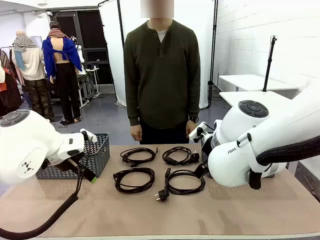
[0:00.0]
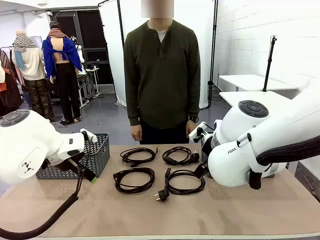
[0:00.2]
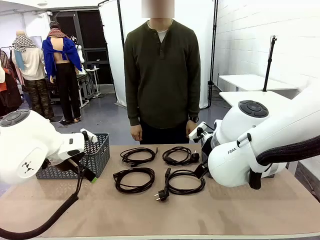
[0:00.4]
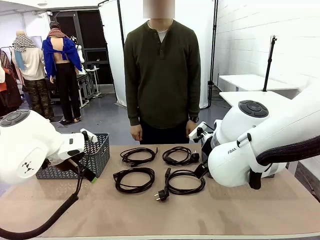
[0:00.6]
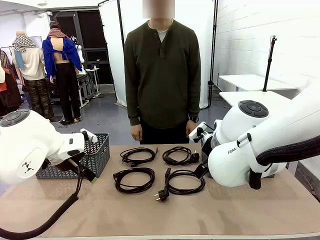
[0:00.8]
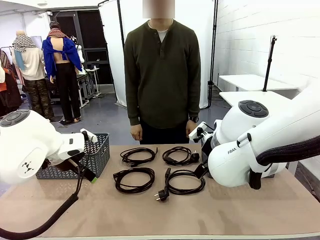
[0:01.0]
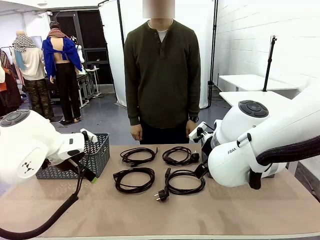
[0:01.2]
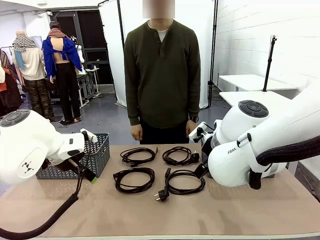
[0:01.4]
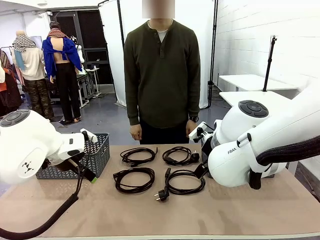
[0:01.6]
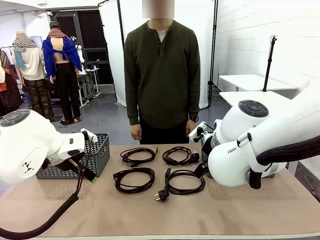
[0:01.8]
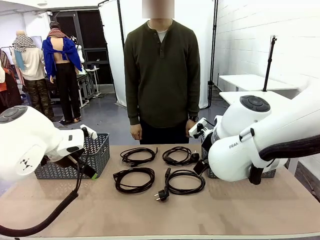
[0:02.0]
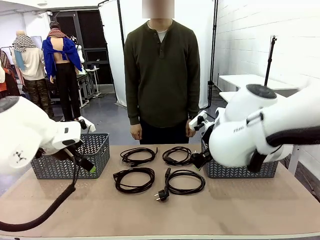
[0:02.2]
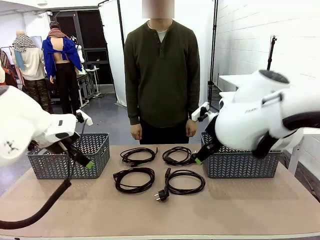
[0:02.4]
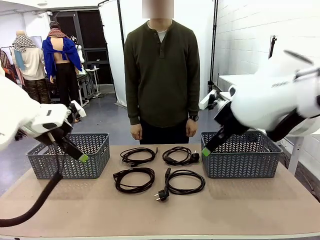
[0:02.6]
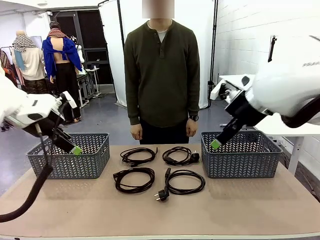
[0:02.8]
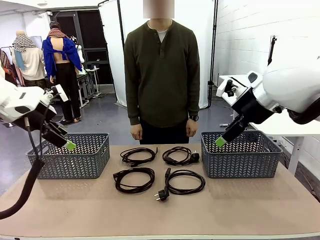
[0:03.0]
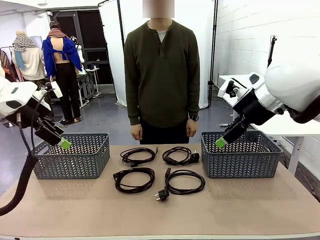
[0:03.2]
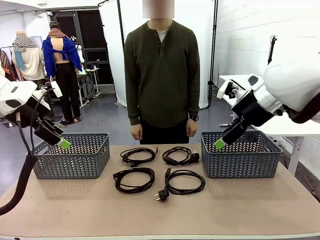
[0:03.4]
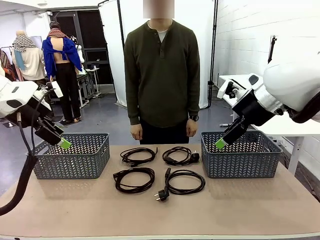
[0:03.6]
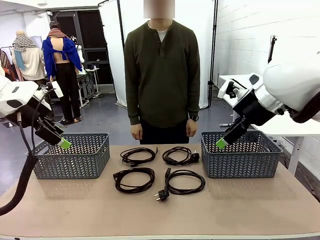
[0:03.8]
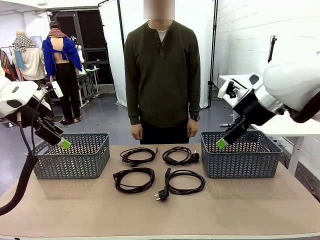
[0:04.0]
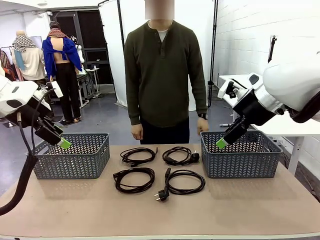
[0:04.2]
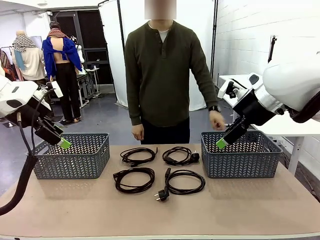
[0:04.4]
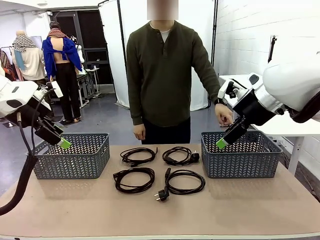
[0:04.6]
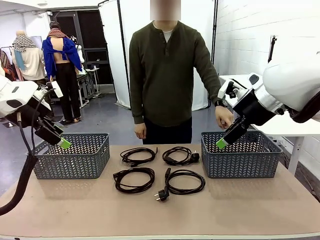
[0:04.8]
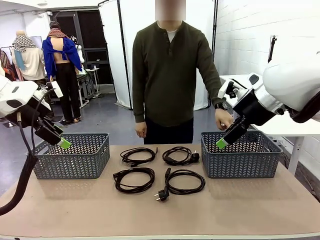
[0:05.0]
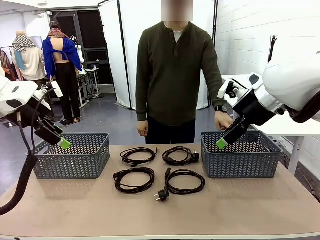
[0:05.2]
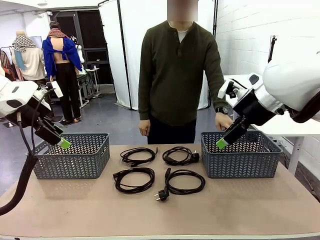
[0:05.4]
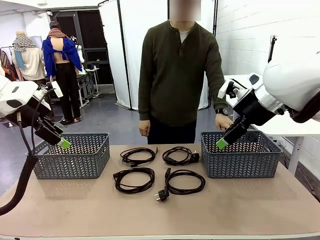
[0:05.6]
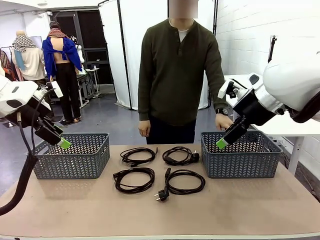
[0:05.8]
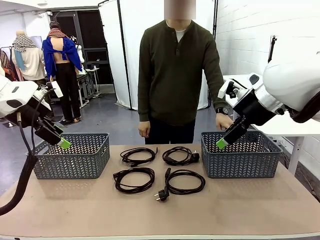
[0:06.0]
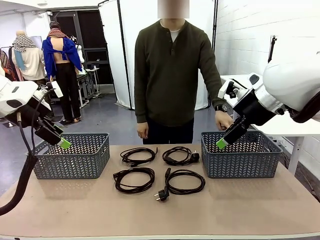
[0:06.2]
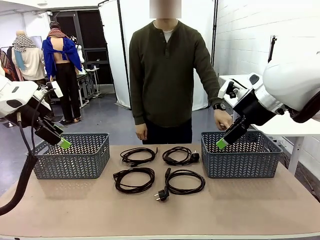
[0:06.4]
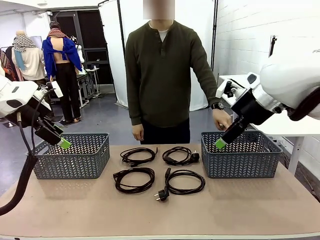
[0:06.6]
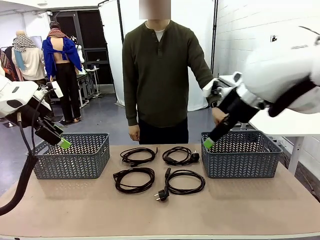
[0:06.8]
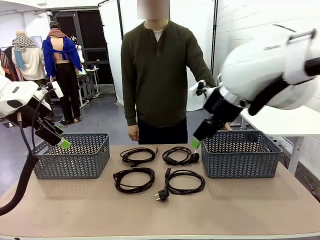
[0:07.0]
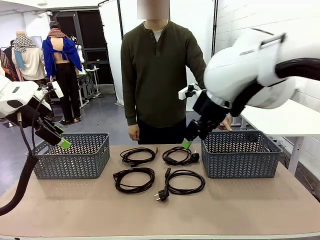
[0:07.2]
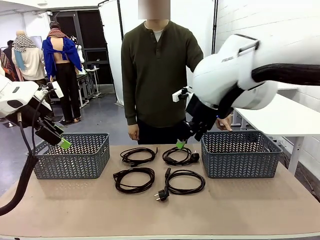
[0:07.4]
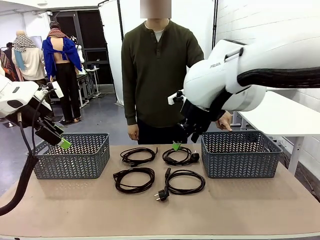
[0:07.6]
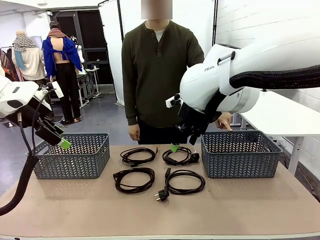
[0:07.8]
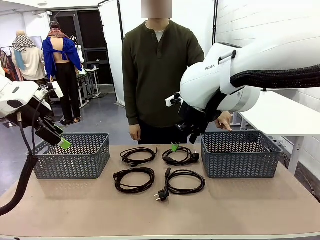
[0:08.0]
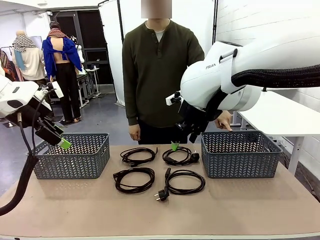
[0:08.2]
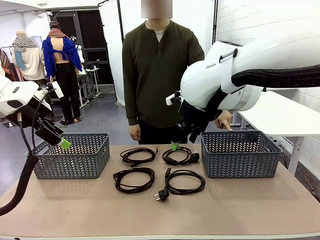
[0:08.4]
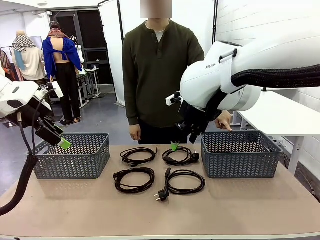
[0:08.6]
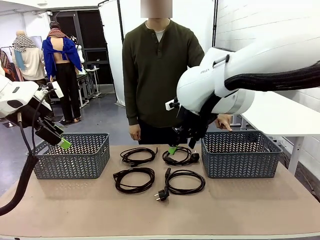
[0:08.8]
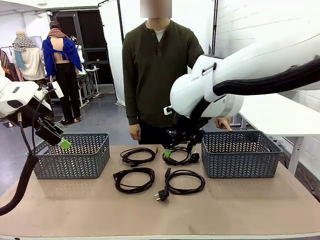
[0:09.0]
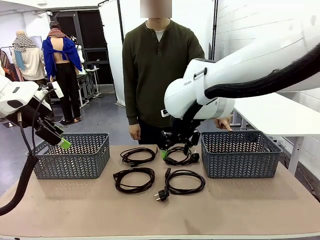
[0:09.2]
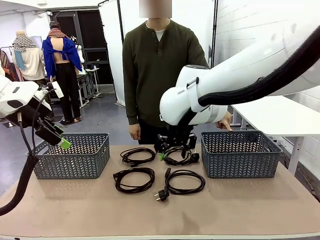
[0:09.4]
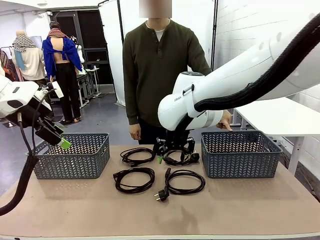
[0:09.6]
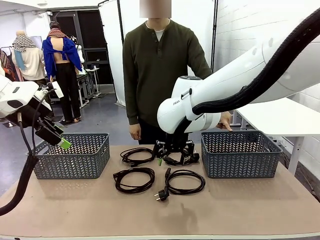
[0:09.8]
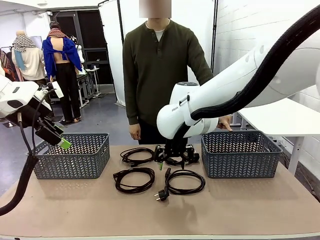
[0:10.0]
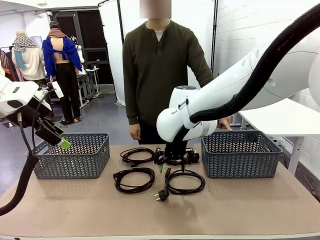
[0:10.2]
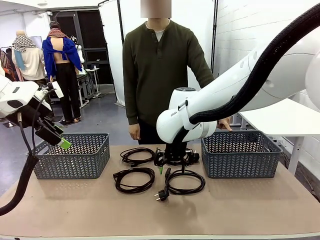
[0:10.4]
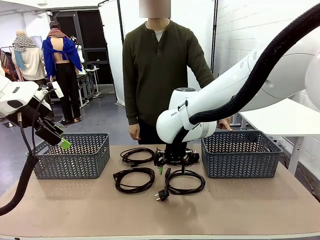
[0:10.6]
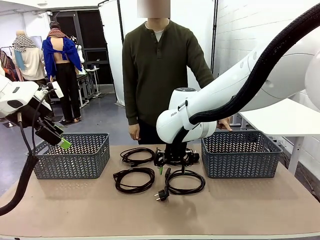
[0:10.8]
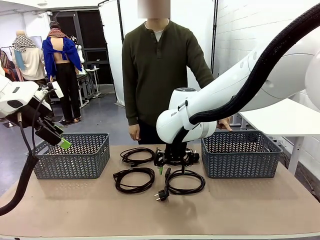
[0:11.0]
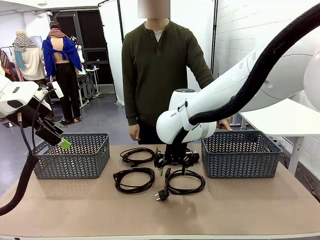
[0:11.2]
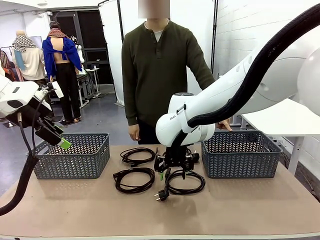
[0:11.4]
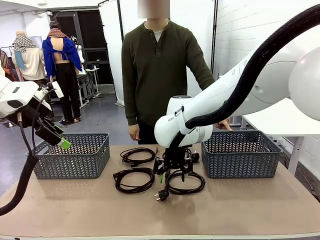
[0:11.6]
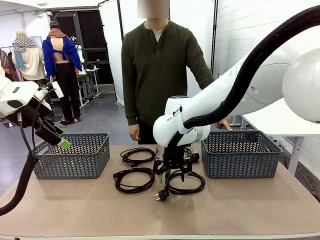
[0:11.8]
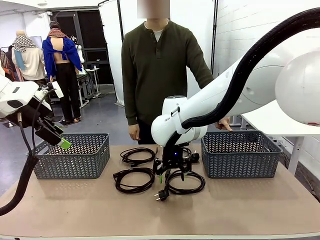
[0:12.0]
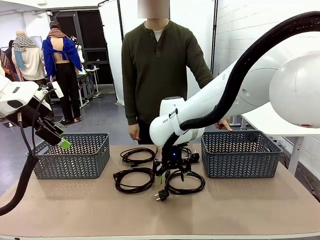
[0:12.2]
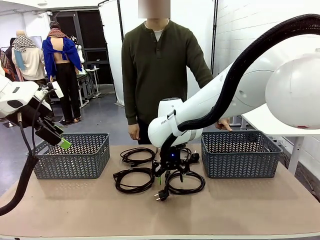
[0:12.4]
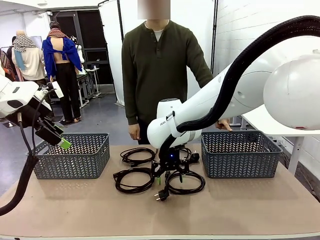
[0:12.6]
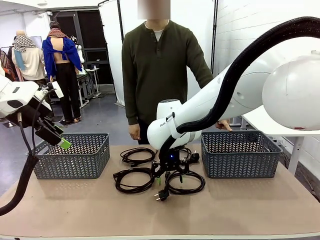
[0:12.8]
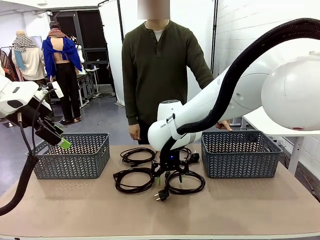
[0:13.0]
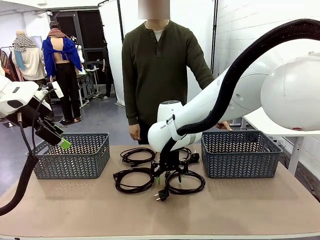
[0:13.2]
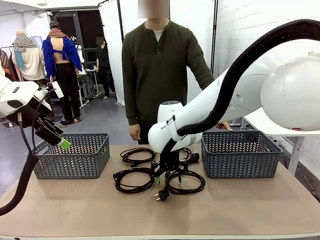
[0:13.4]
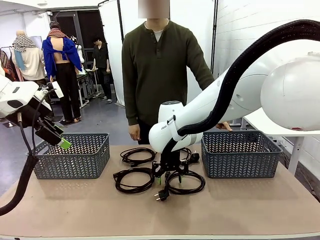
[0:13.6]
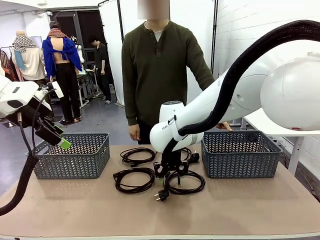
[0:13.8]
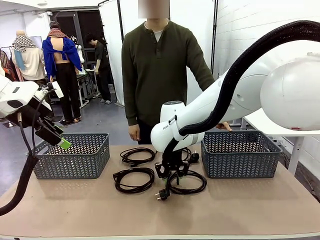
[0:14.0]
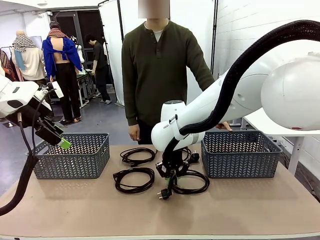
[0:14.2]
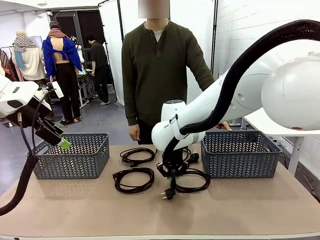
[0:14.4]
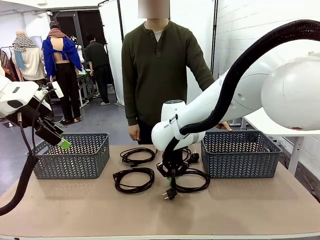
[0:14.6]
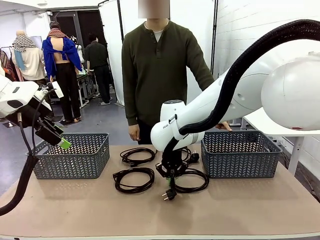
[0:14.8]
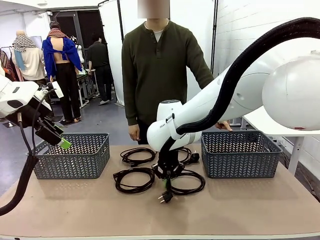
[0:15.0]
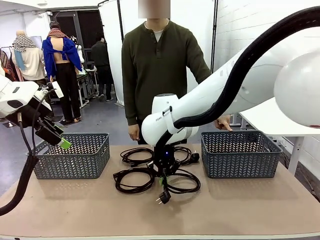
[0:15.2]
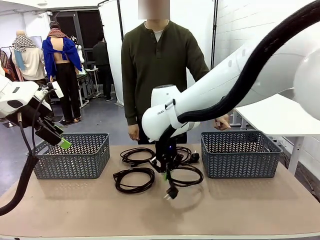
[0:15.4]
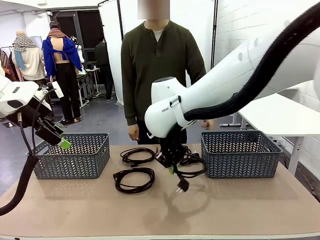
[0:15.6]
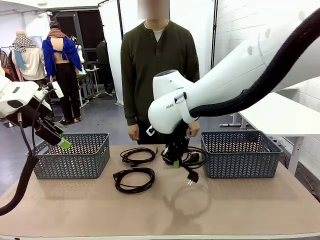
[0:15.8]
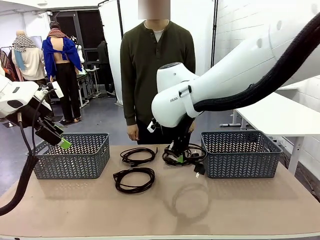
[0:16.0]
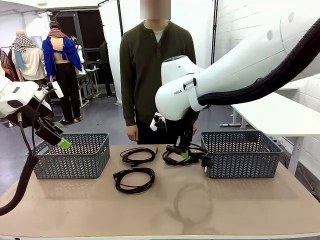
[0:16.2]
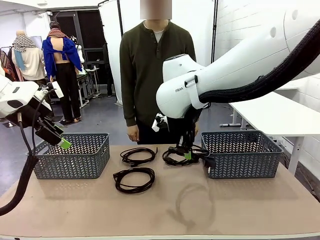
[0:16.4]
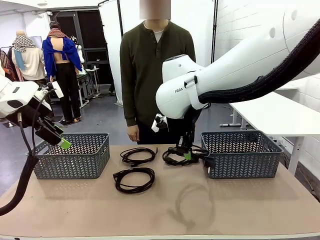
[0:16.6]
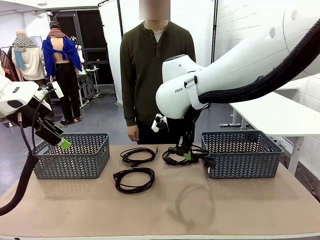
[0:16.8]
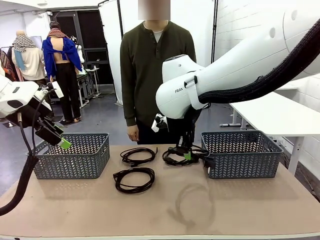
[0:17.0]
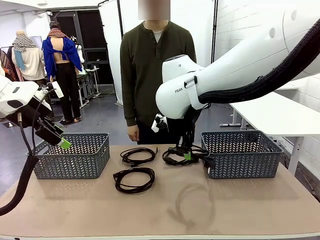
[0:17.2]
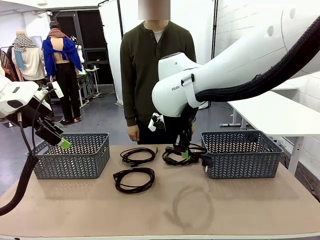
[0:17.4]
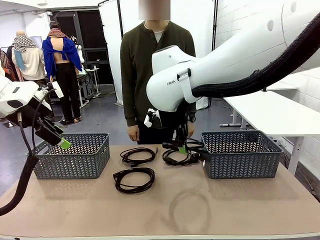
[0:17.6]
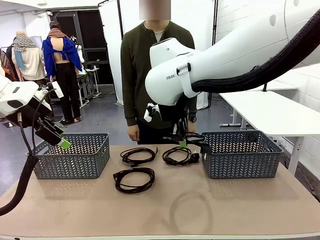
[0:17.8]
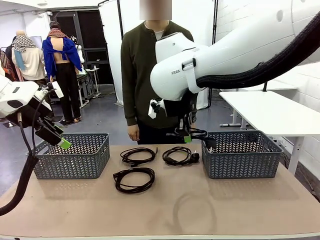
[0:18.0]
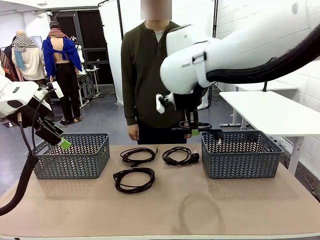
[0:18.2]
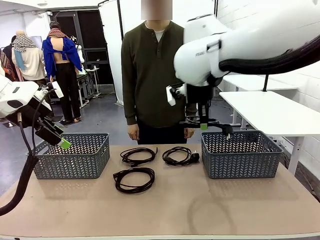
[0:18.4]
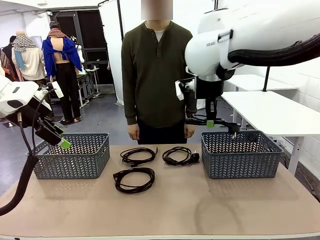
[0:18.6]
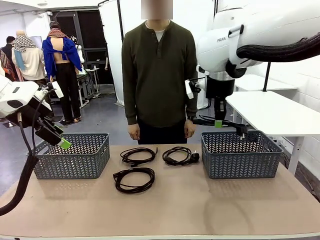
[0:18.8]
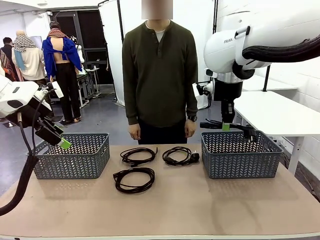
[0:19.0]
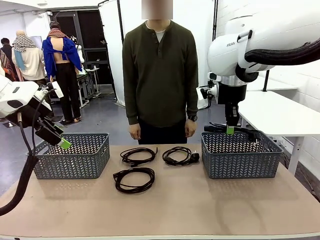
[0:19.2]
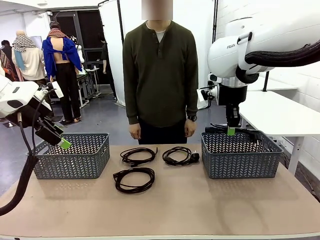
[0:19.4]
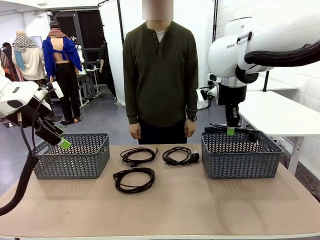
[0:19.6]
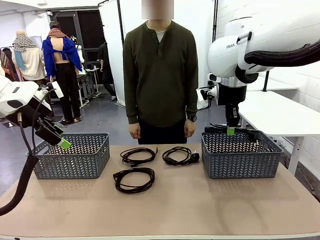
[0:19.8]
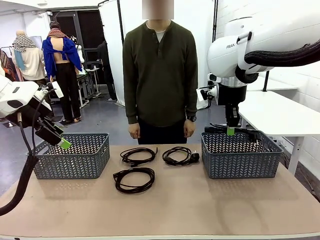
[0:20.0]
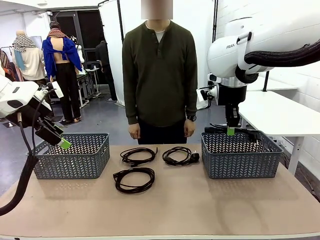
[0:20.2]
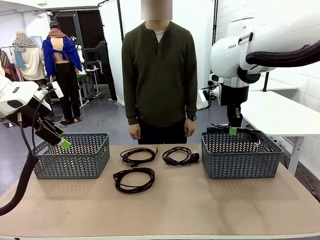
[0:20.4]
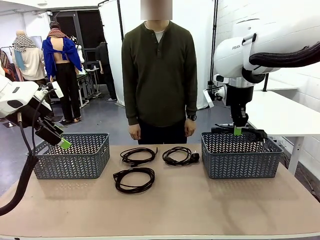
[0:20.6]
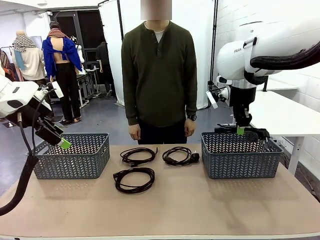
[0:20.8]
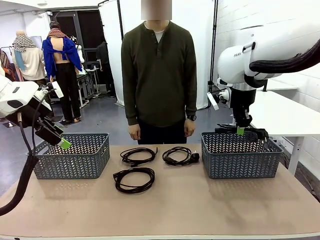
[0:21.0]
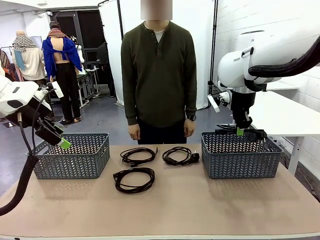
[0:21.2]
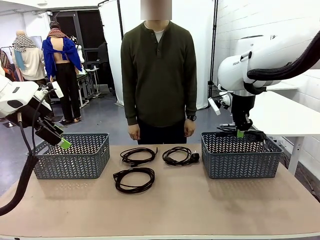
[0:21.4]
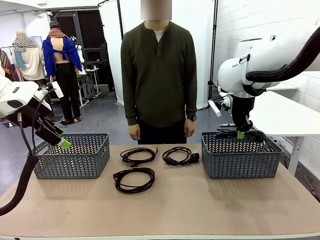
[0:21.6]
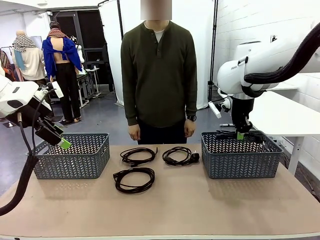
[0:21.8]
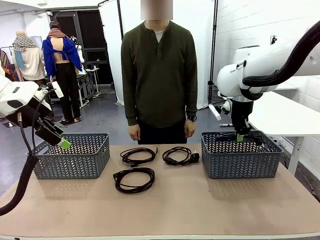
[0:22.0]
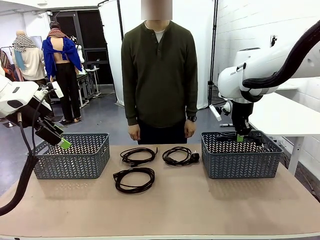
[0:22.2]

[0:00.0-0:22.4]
Task: Organize the cables according to human instructions.
Robot: Pick up a bundle of cables and place it in the basket indicated by the human.
